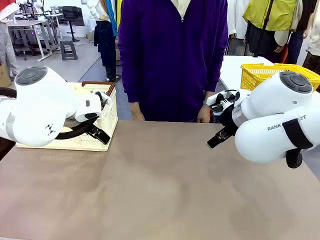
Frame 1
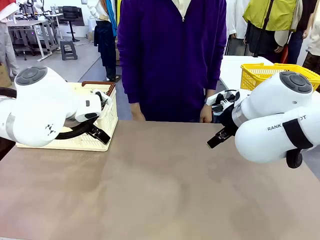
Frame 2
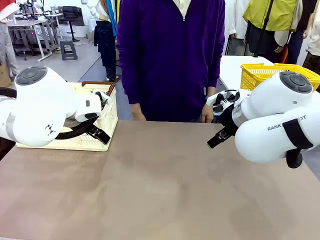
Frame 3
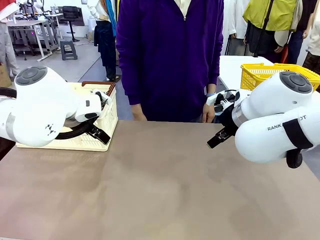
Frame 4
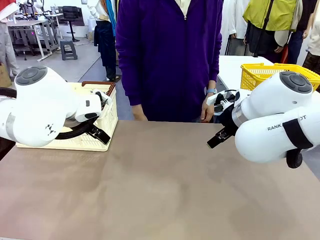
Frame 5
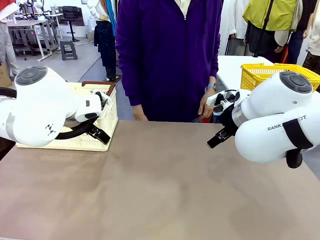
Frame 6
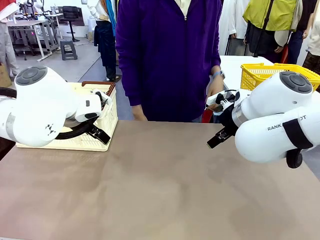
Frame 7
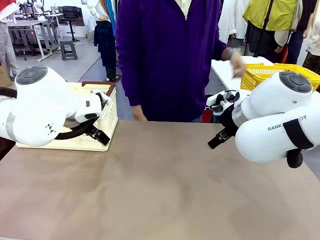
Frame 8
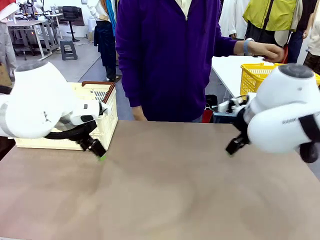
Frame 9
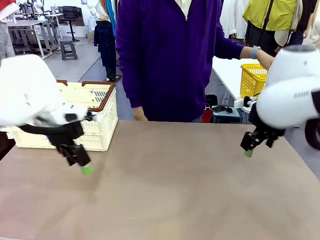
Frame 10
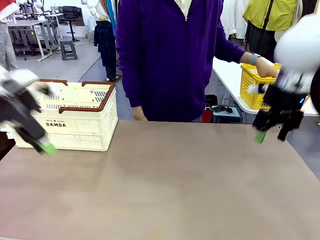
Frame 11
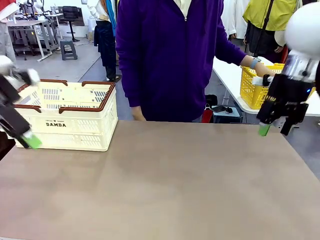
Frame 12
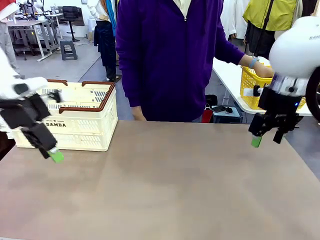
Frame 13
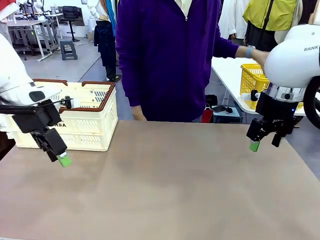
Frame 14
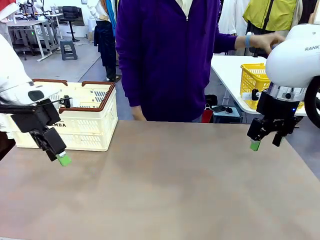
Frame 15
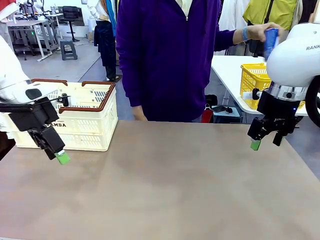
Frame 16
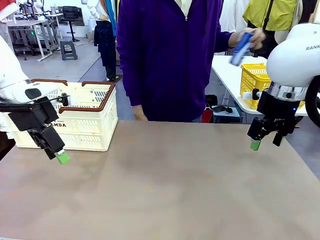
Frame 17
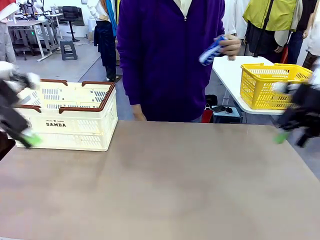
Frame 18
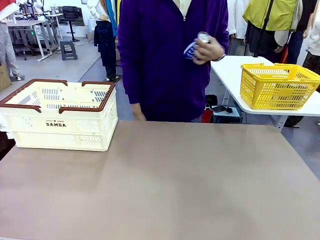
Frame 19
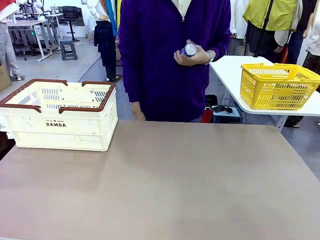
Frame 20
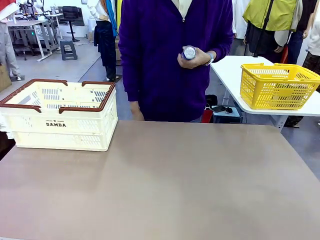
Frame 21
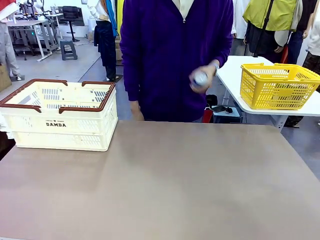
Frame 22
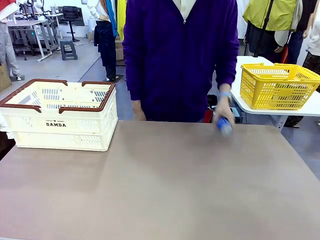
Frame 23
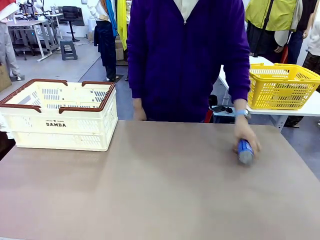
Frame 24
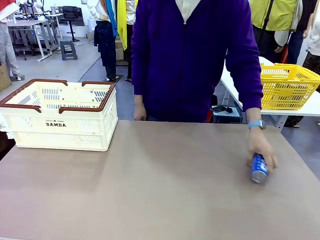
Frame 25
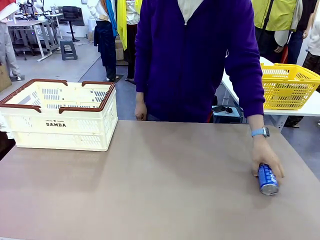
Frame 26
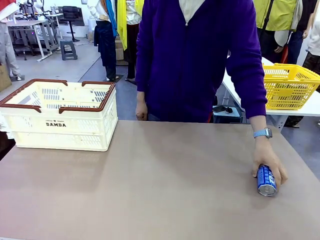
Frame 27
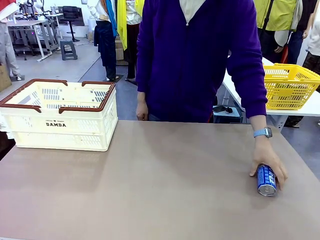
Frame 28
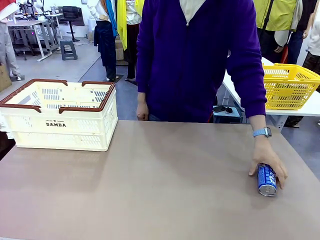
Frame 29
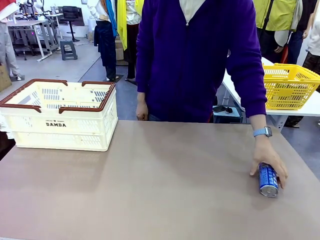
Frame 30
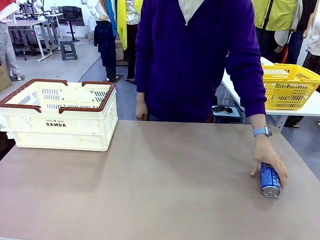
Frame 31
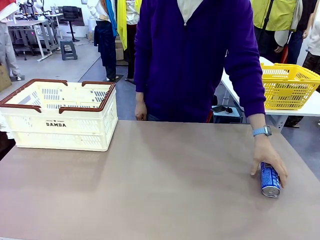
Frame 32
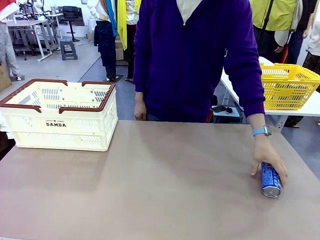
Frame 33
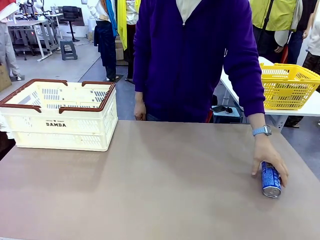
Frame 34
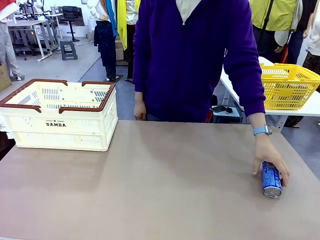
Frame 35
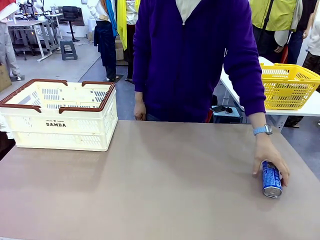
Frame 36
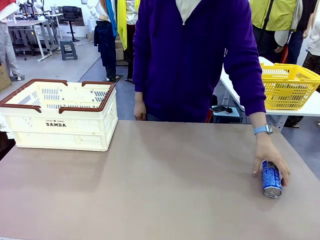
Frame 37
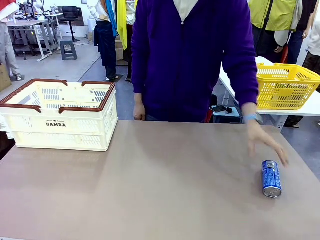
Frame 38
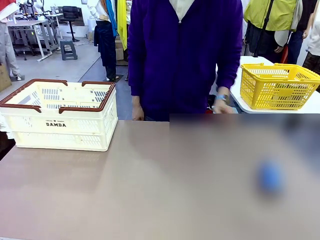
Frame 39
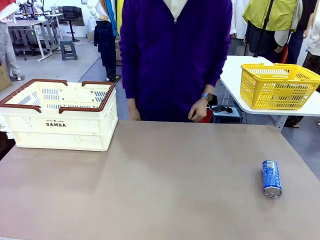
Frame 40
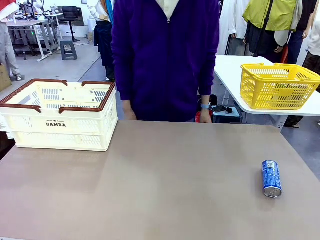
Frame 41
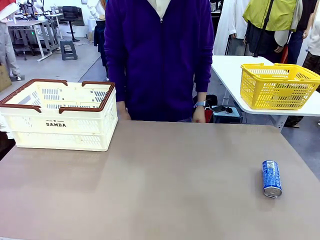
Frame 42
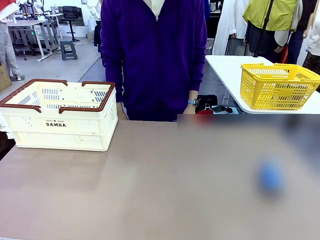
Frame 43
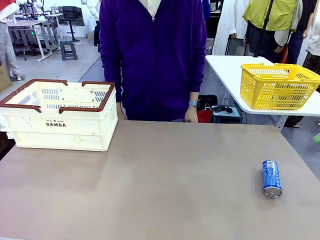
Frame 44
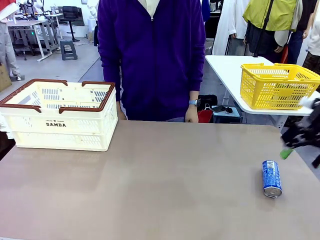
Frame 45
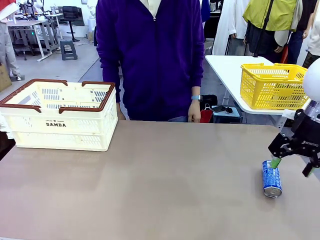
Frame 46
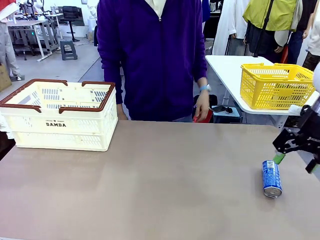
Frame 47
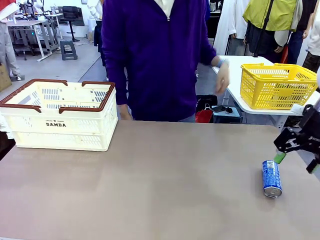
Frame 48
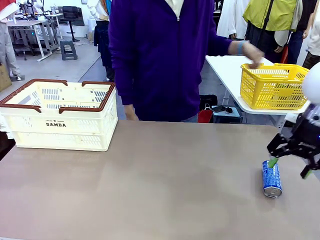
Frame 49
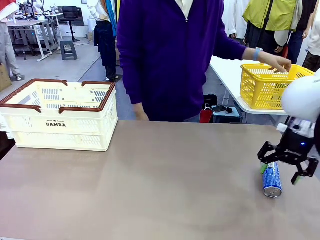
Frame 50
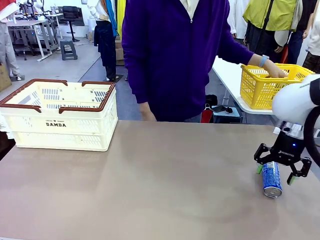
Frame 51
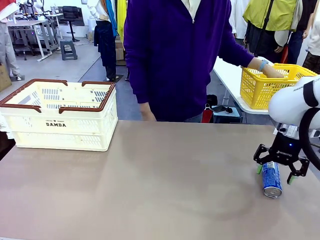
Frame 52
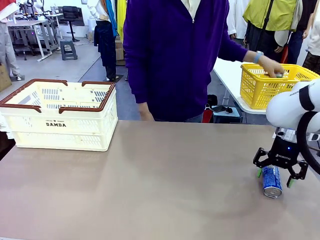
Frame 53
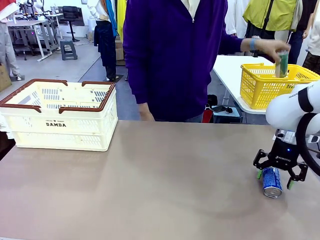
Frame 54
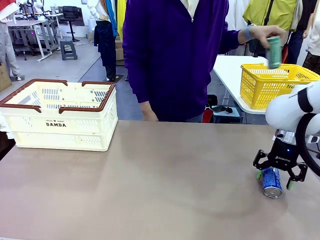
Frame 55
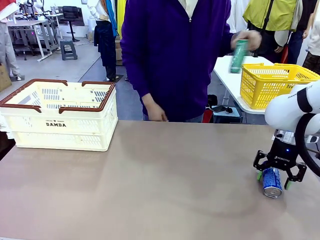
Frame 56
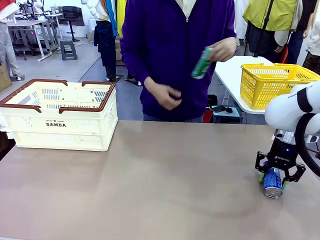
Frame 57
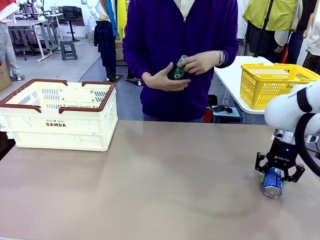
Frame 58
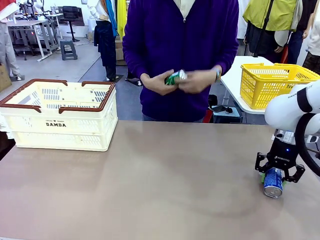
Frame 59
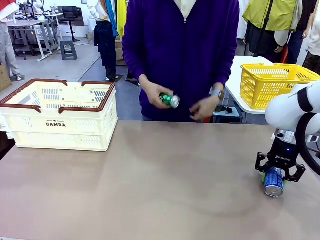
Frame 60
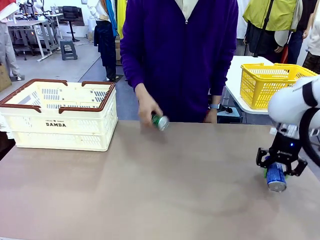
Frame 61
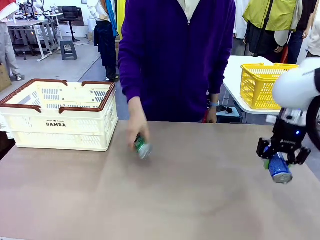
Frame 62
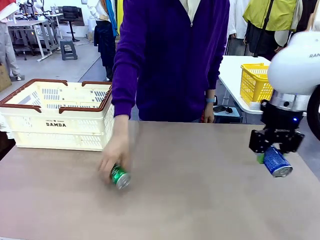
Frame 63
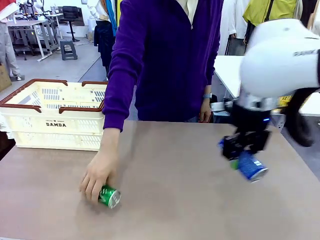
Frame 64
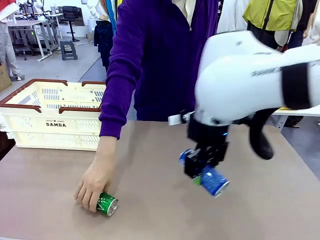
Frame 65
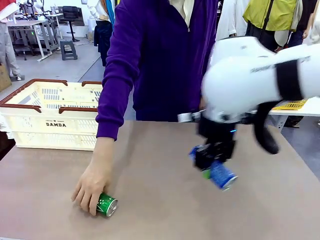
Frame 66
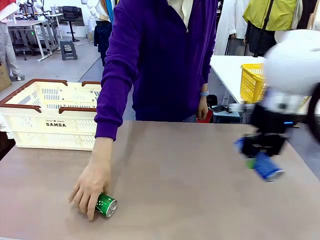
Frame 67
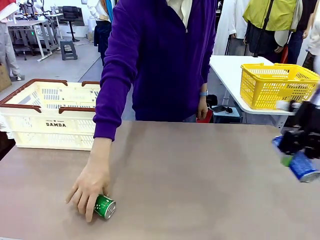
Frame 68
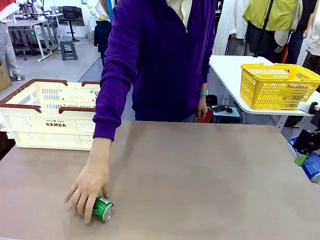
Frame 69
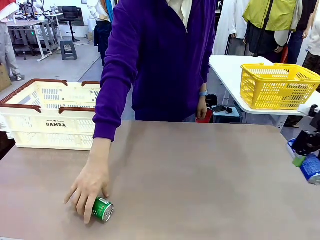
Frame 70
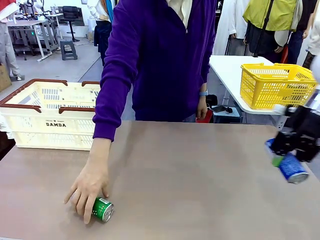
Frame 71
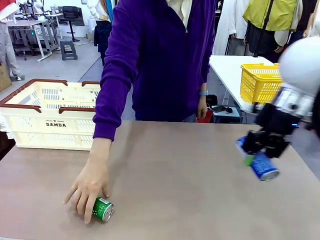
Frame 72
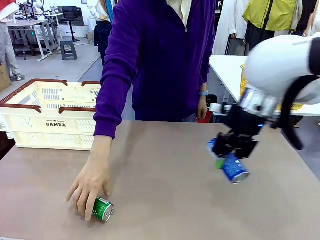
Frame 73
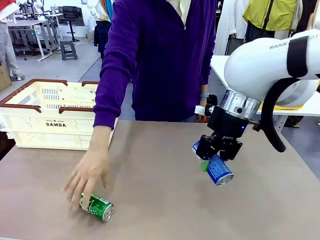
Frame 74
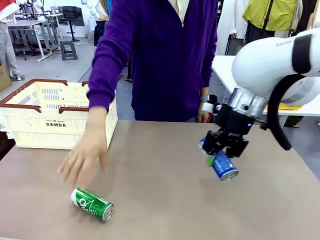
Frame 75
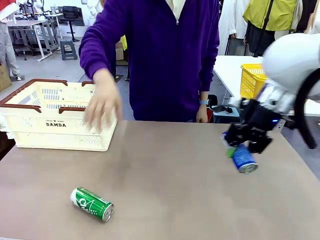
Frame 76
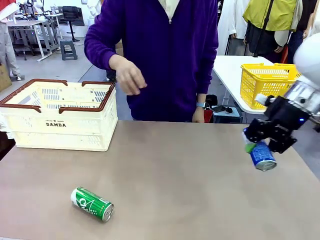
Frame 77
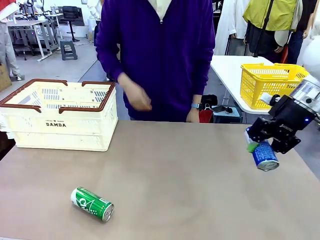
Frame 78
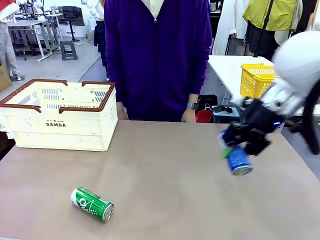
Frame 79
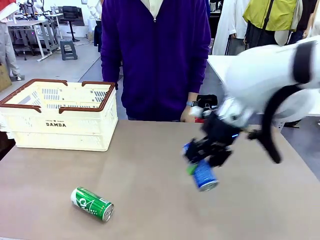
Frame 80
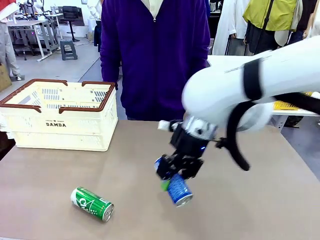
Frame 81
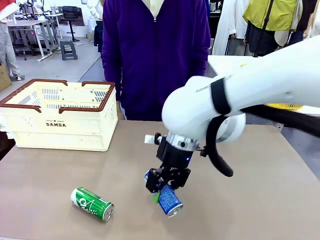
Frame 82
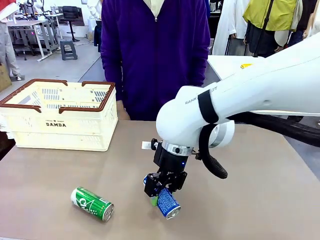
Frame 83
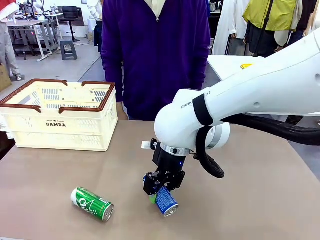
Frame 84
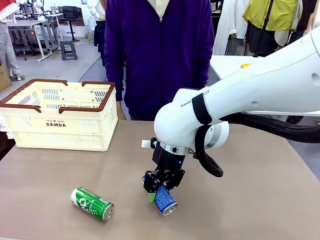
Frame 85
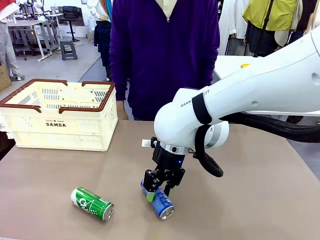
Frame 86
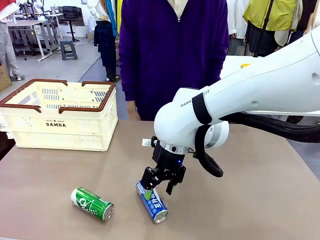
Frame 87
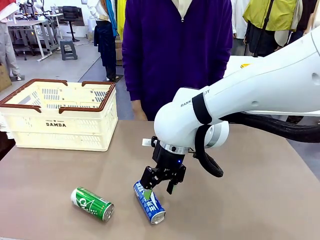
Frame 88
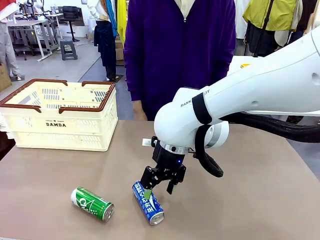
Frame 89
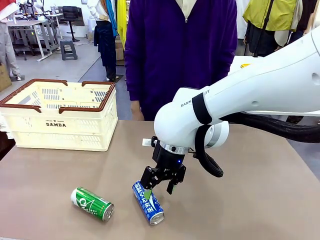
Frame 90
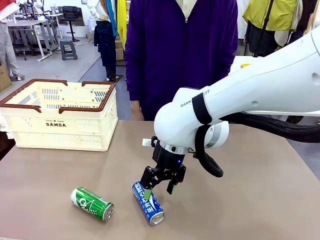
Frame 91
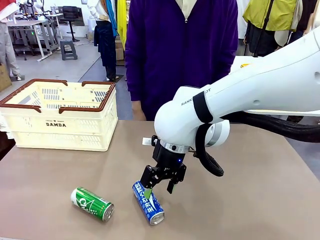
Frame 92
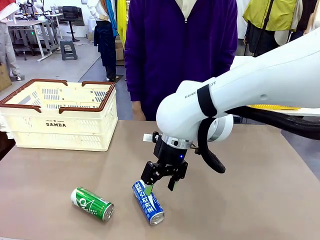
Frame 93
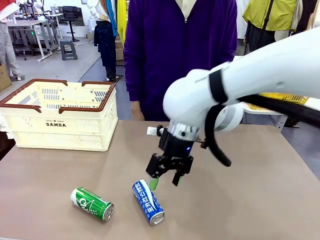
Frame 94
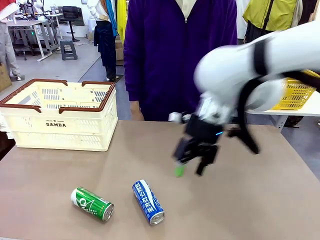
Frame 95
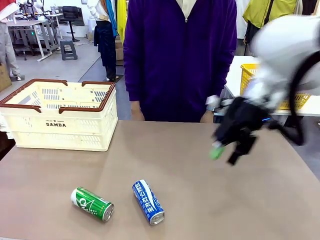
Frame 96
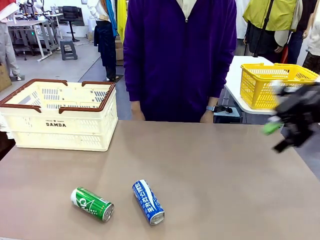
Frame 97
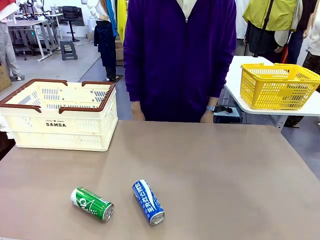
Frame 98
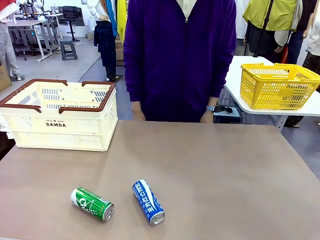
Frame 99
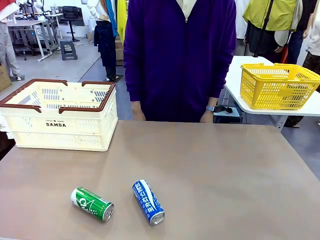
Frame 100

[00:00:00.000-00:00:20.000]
Task: Place the drinks into the Shopping basket.
Robot: Pick up one drink and place it into the Shopping basket.
